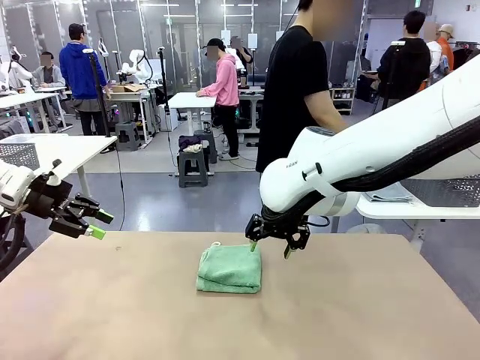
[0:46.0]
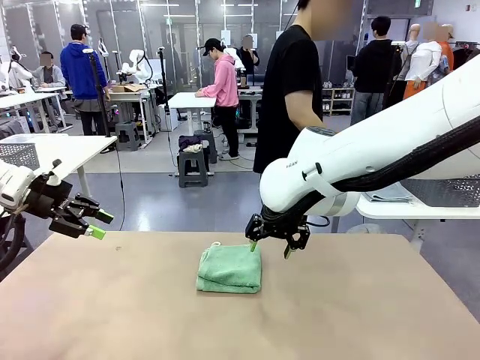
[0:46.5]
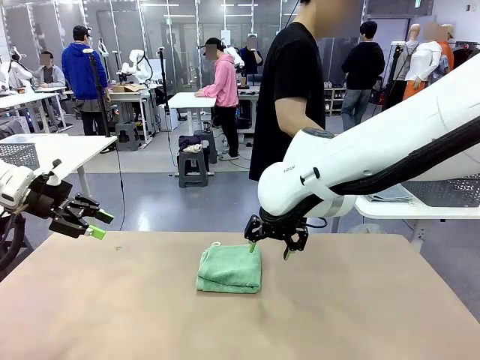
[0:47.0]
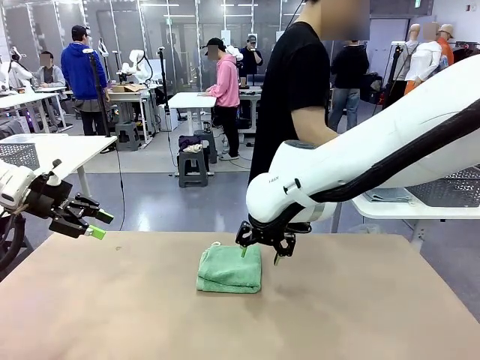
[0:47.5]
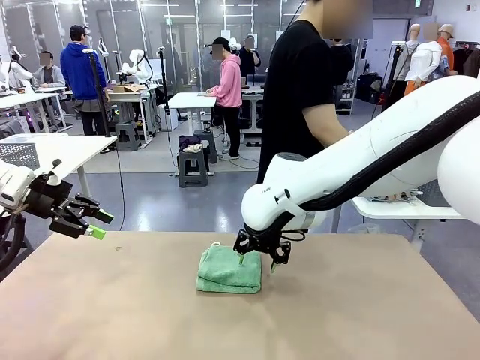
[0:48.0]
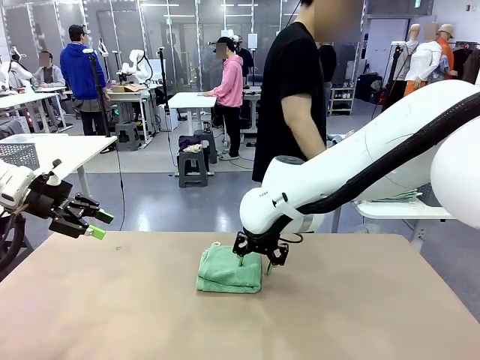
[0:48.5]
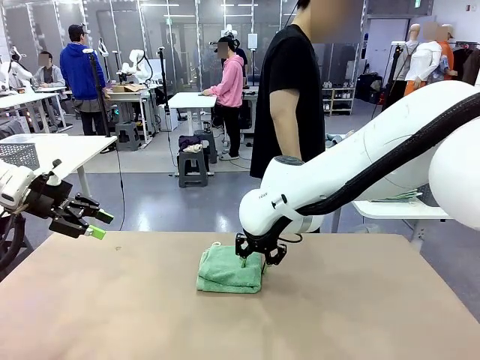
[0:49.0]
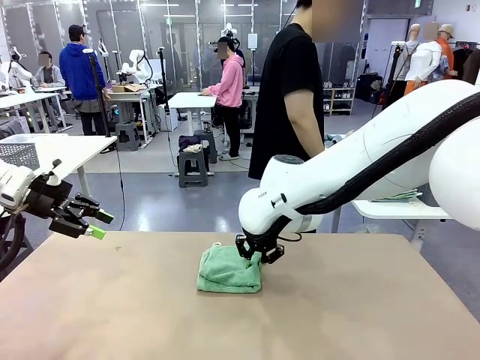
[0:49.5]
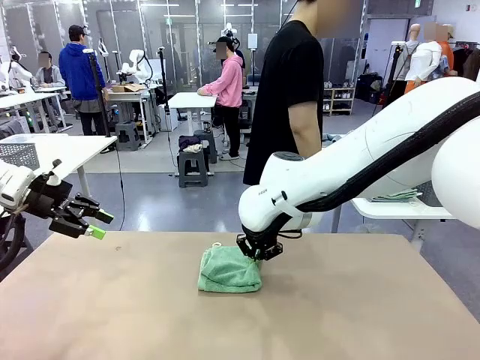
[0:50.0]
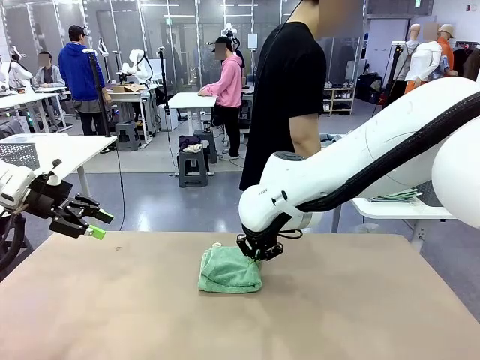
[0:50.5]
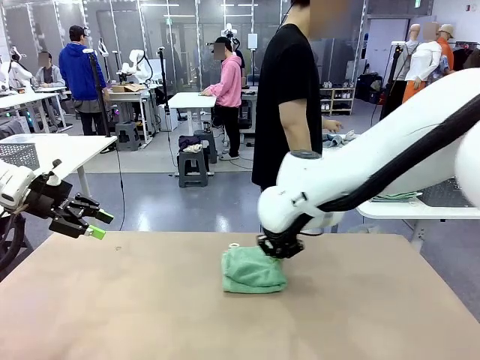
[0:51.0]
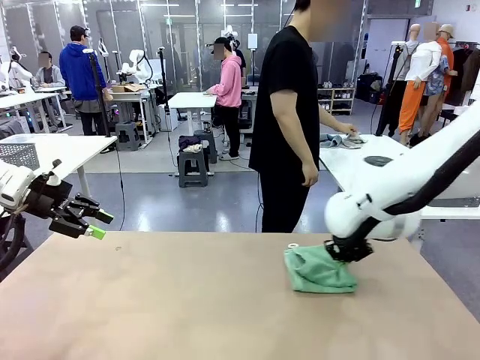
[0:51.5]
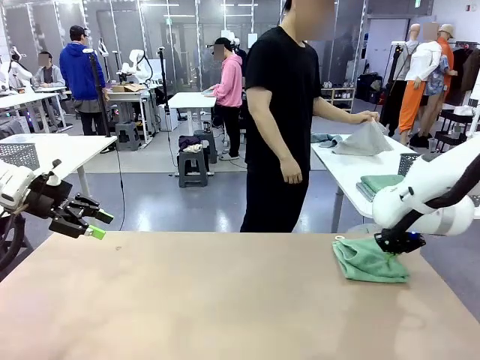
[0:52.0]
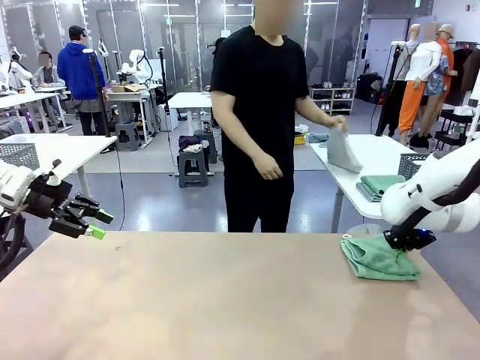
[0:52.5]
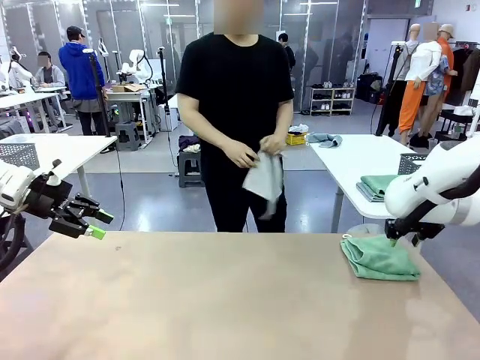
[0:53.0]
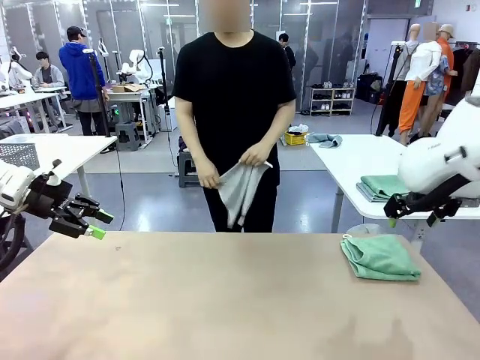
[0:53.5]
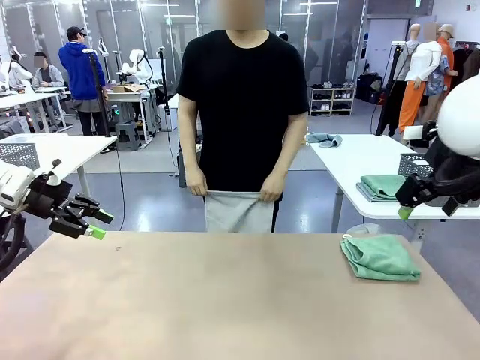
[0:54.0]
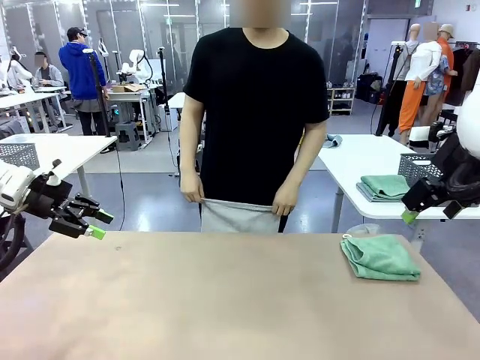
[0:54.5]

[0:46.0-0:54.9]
Task: Fold the towels and place them in the basket.
Robot: Place the folded Towel with hook on the right side of the table.
Person: Pick up one towel from the left side of the human table and spread it out at the center of the robot table.

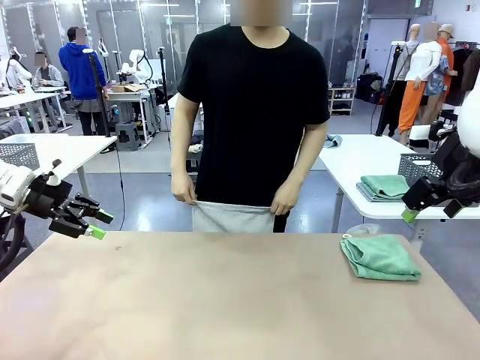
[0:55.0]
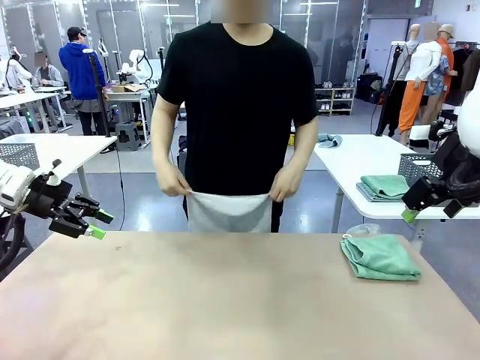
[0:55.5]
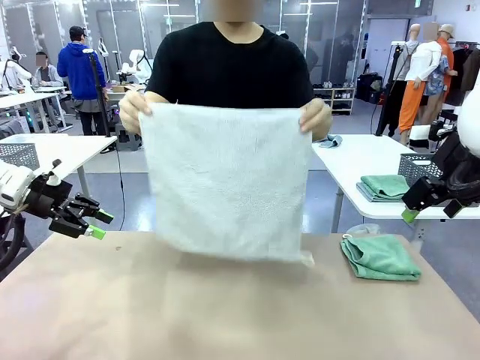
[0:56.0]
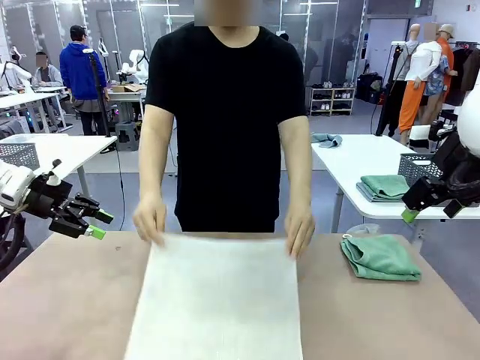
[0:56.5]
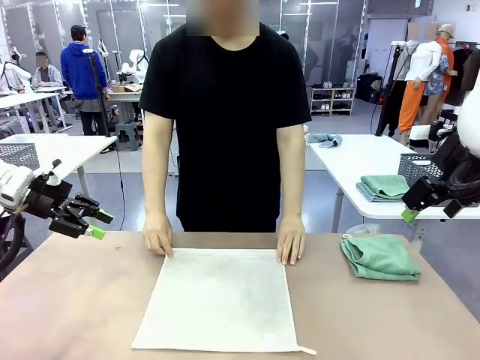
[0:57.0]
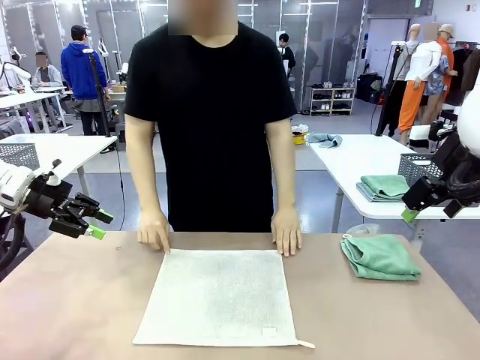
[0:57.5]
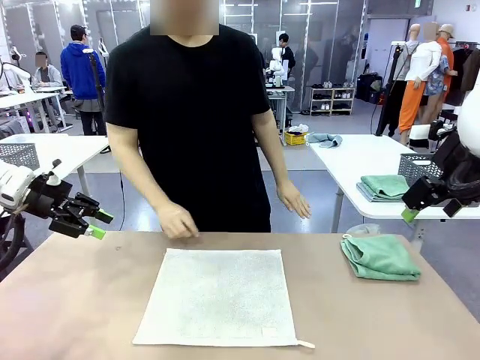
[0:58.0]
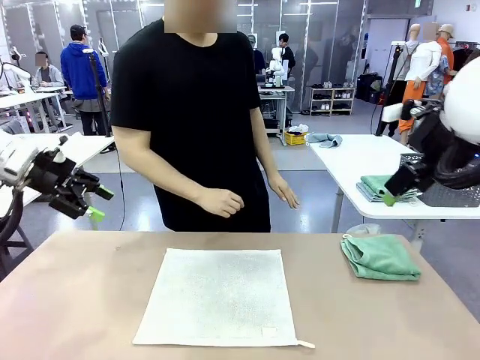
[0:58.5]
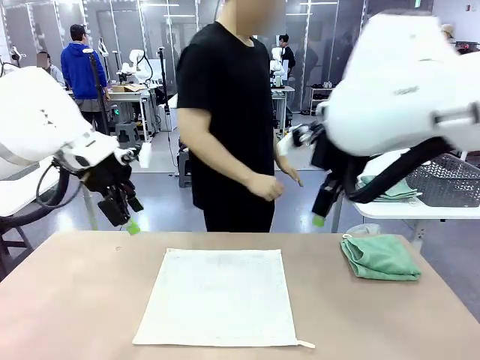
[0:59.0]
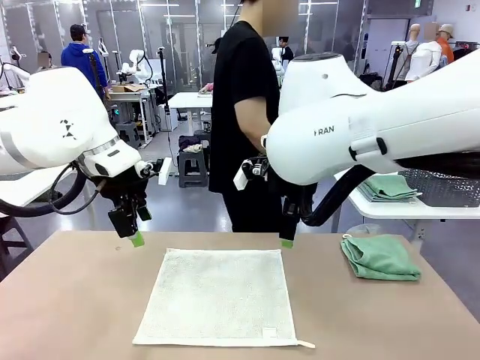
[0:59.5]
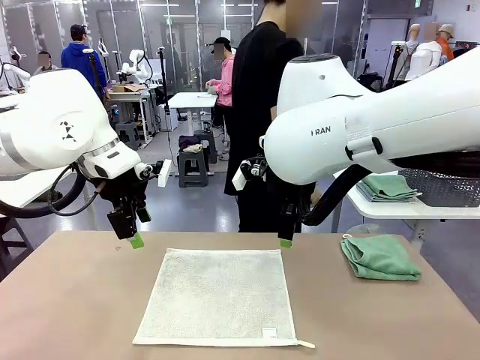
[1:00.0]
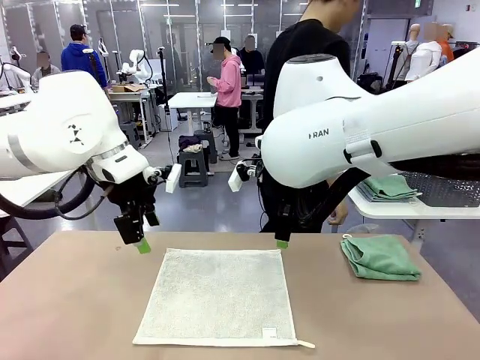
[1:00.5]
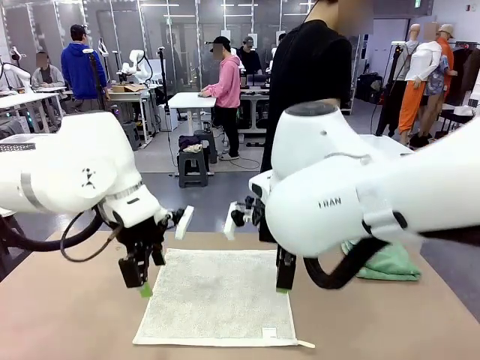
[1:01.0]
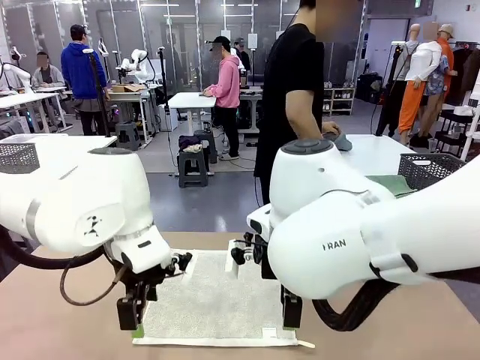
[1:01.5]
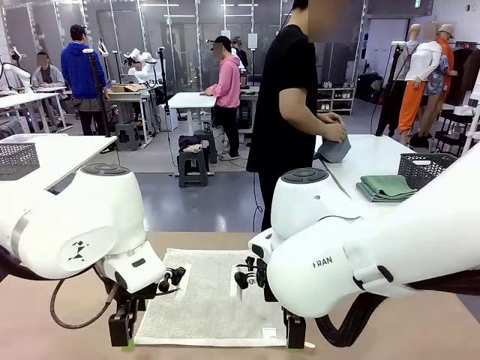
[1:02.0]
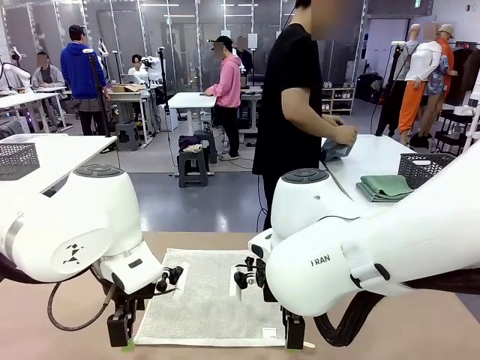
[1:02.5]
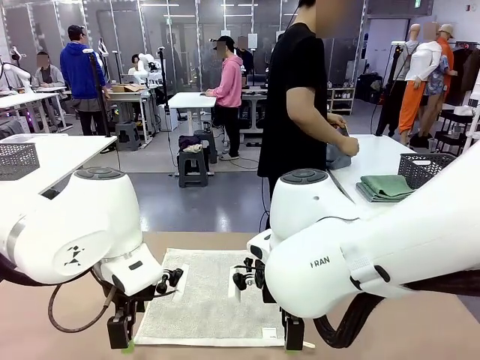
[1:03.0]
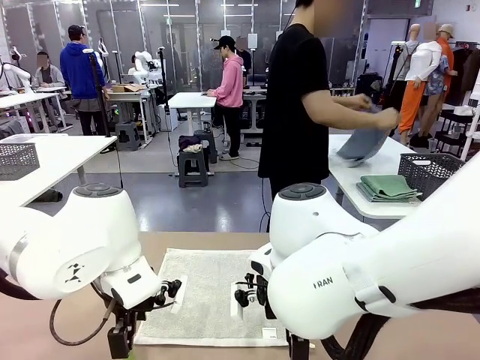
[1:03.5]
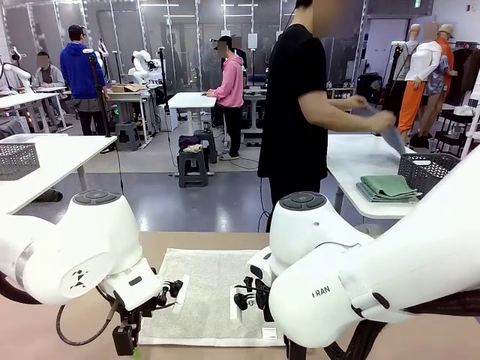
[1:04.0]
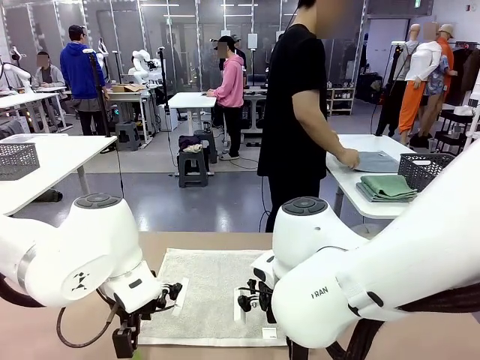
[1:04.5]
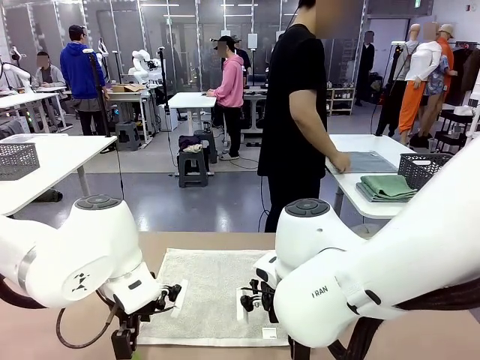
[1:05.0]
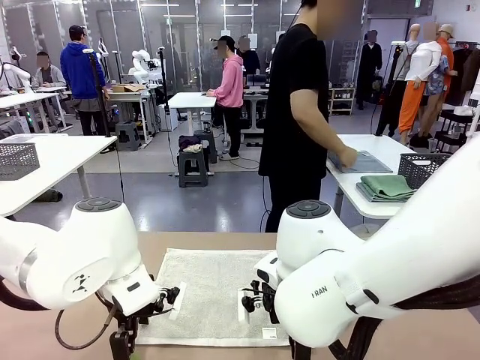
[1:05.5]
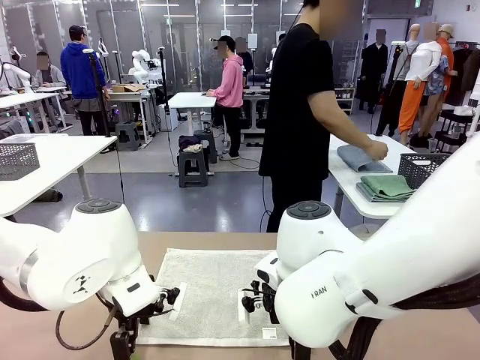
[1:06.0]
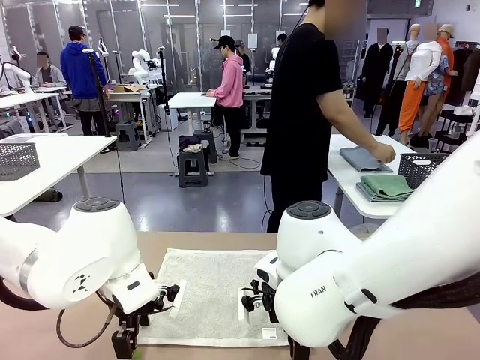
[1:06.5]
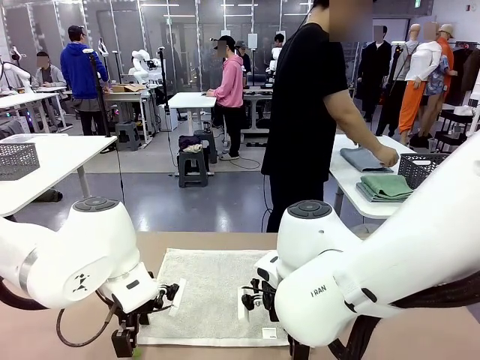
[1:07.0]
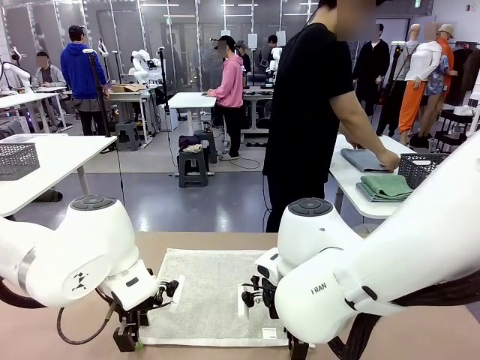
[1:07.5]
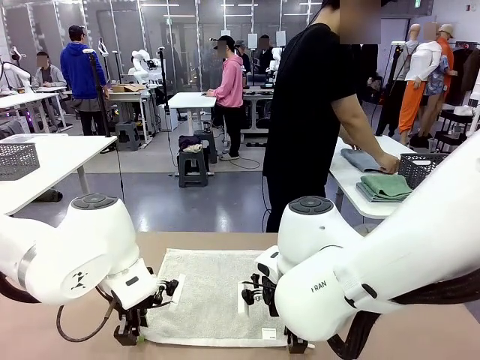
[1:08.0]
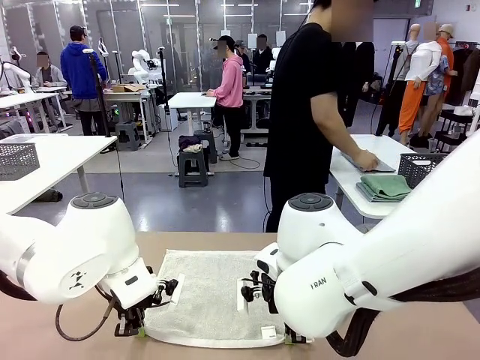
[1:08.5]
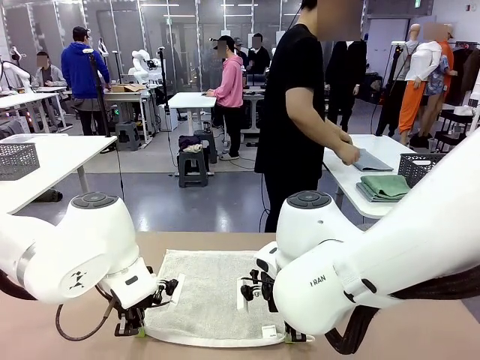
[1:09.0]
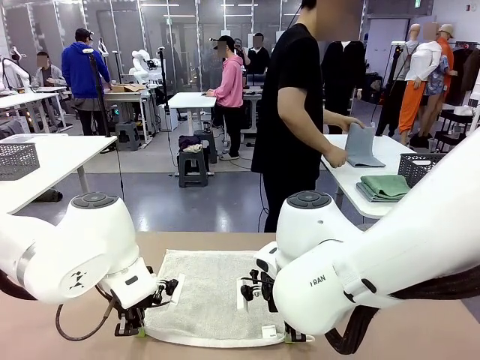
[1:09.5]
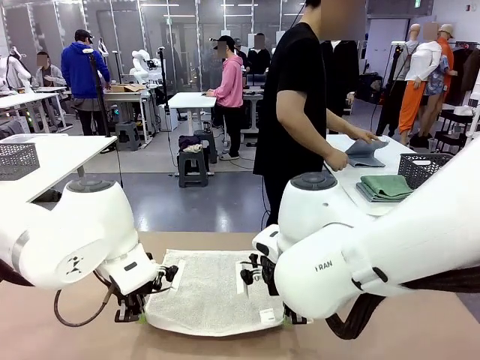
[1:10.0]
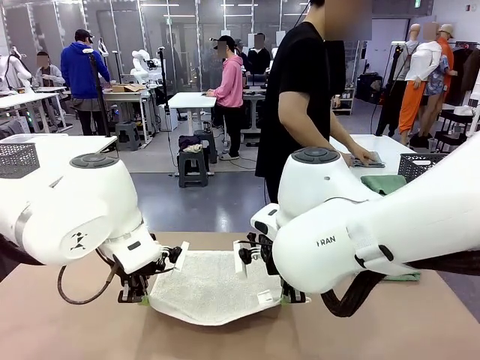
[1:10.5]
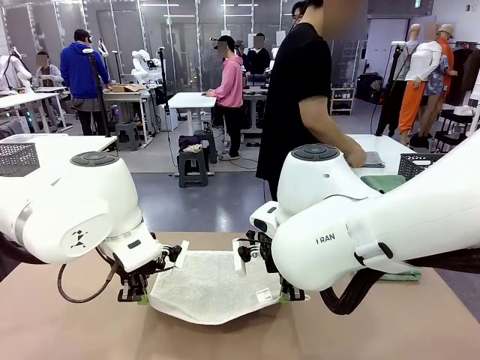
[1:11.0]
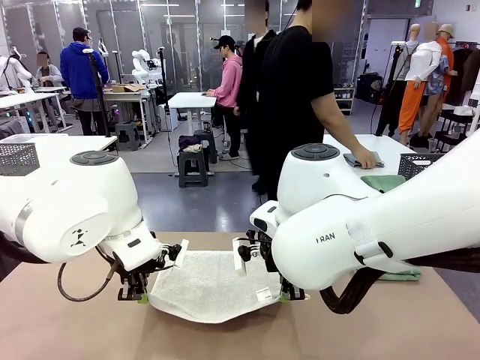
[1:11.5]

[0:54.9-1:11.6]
Robot: When a person lays out a Towel with hook on the table, fold it in half twice.
Person: Pick up one towel from the left side of the human table, fold it in half twice, and stack it on the right side of the table.
